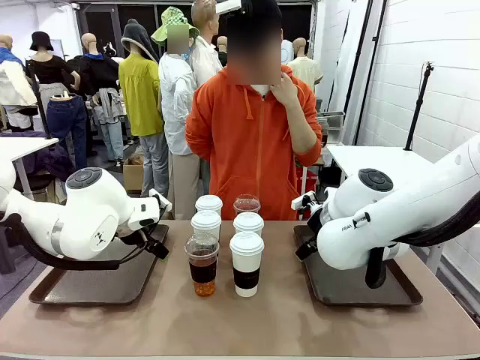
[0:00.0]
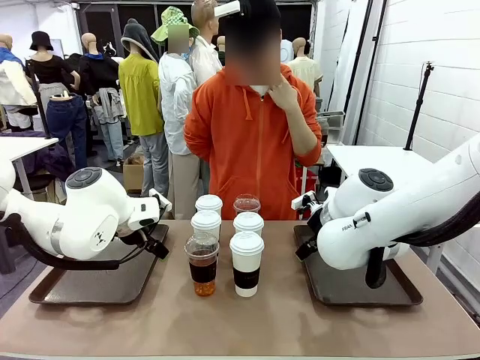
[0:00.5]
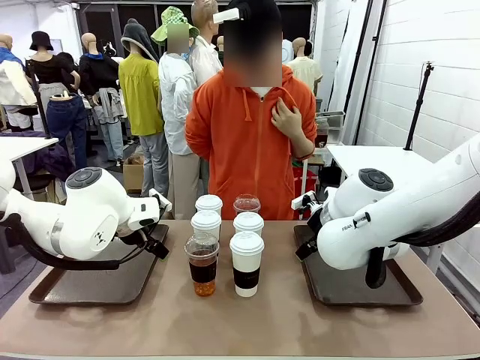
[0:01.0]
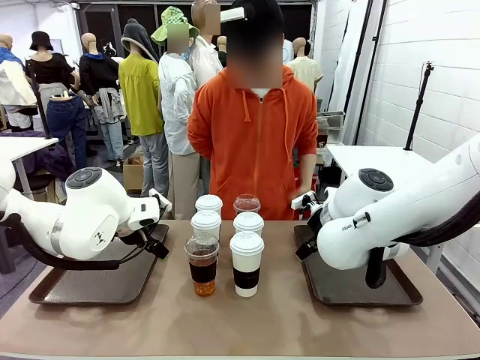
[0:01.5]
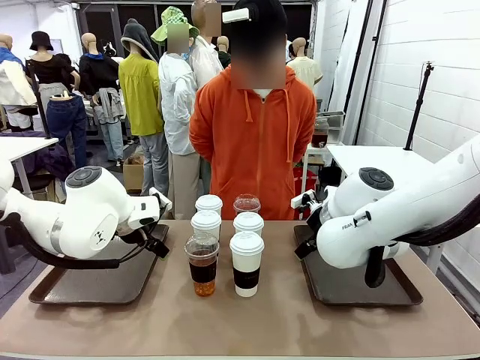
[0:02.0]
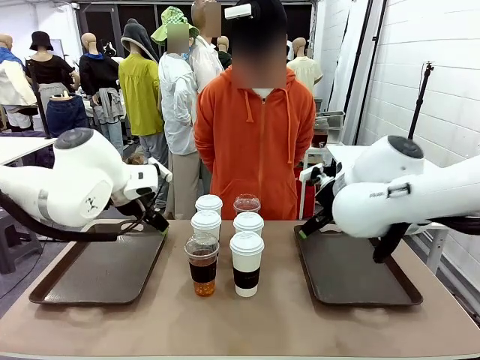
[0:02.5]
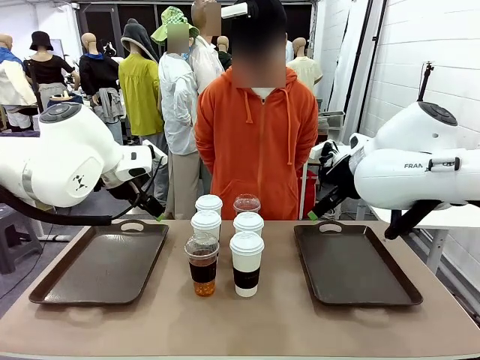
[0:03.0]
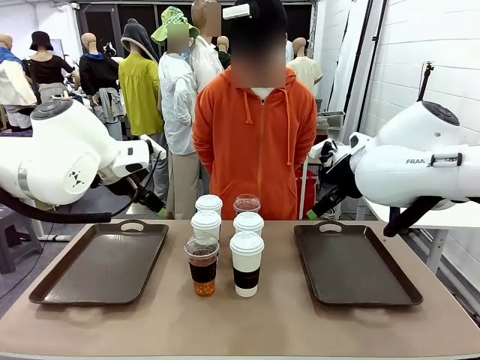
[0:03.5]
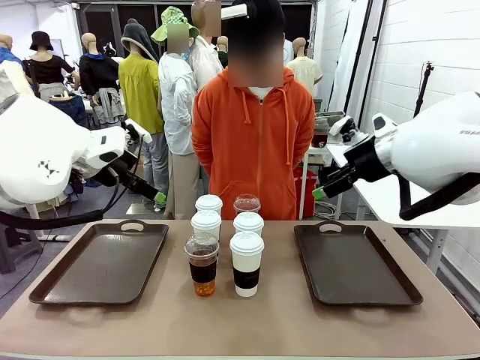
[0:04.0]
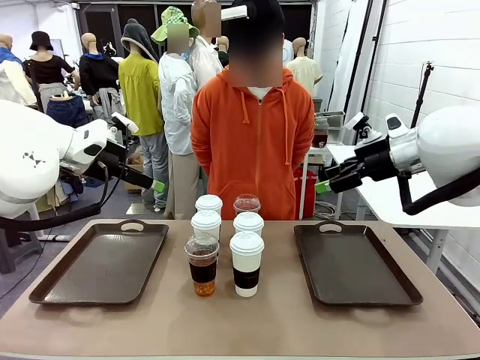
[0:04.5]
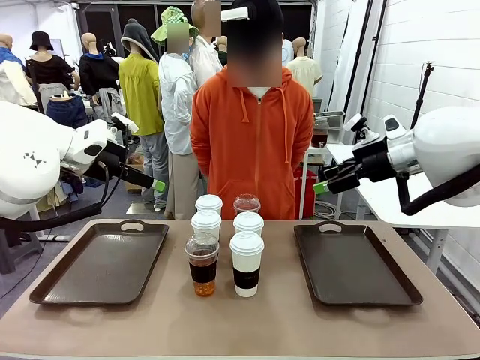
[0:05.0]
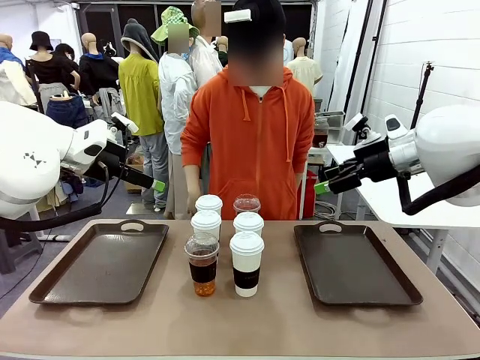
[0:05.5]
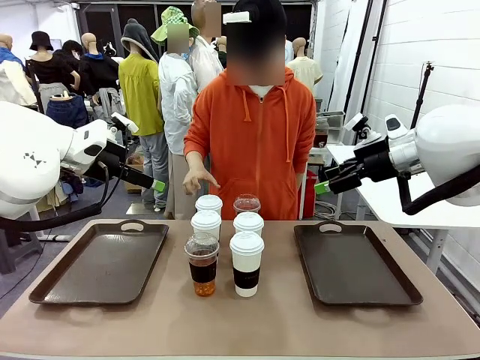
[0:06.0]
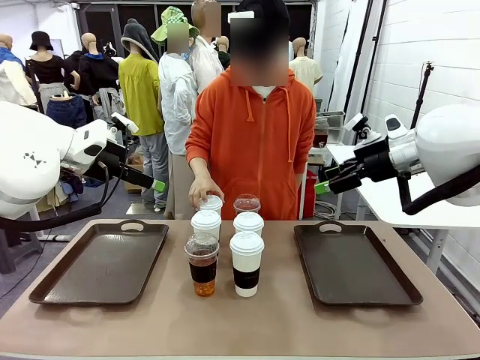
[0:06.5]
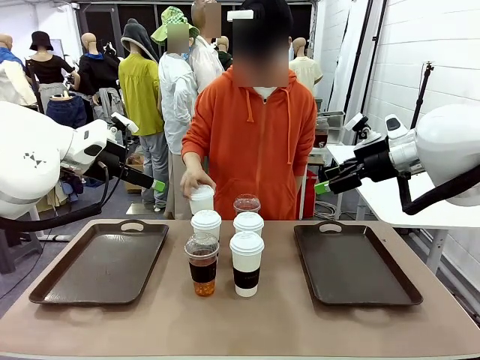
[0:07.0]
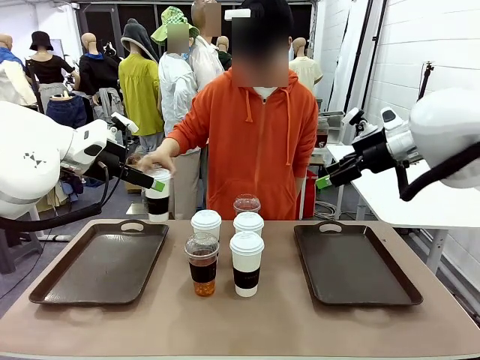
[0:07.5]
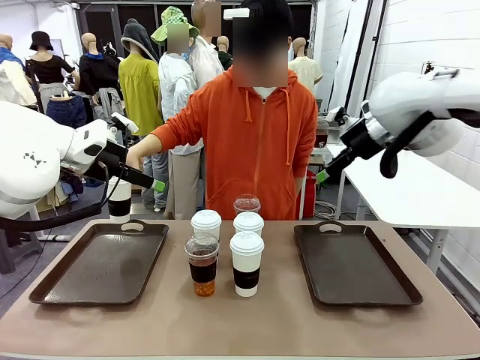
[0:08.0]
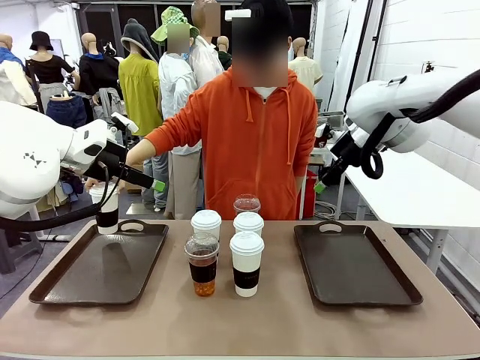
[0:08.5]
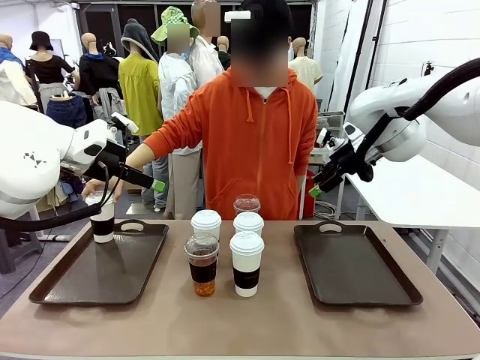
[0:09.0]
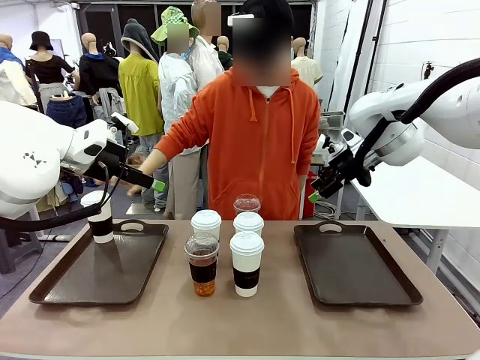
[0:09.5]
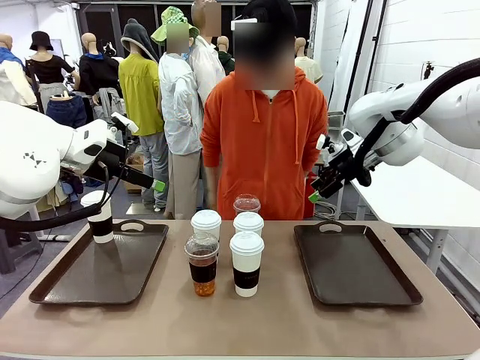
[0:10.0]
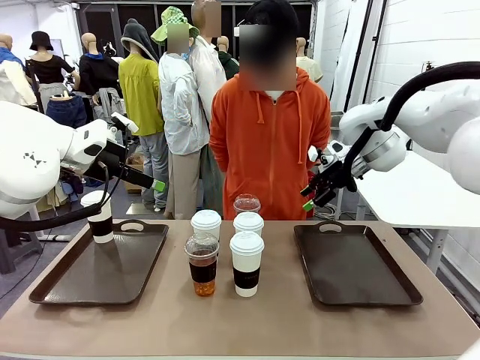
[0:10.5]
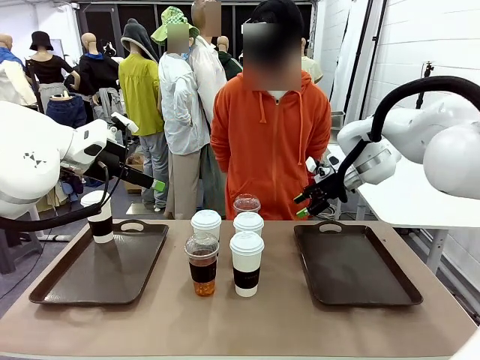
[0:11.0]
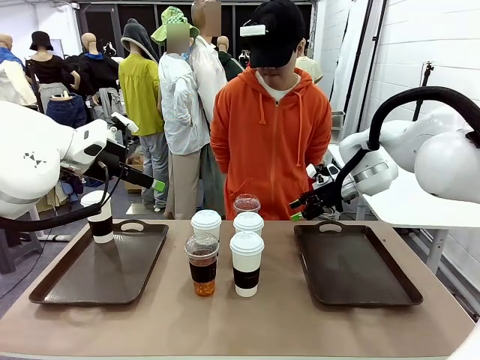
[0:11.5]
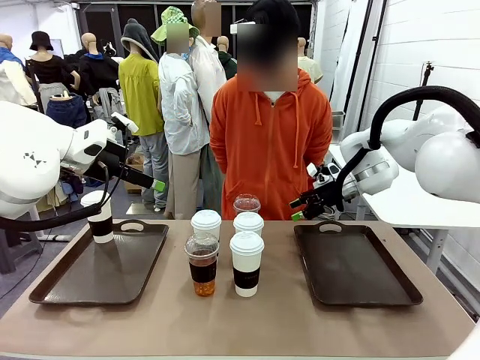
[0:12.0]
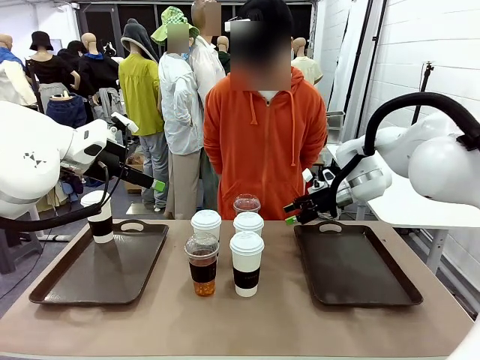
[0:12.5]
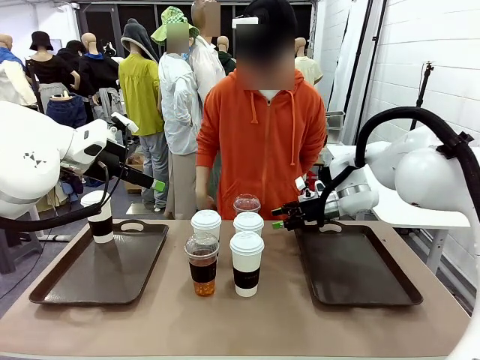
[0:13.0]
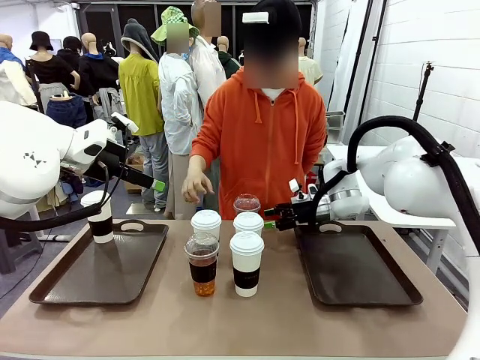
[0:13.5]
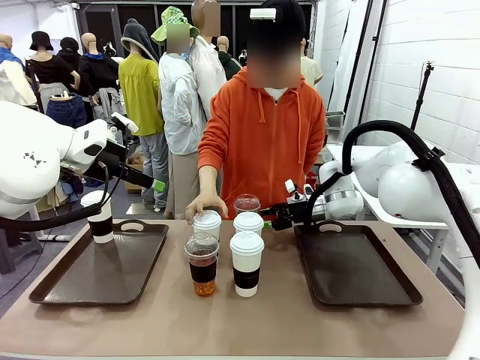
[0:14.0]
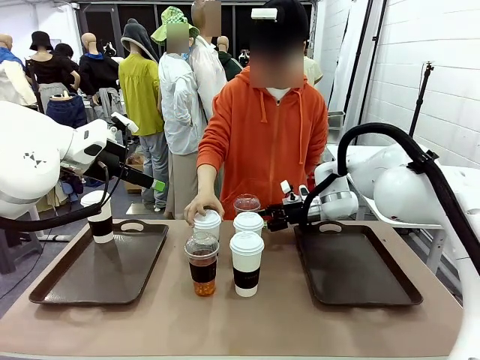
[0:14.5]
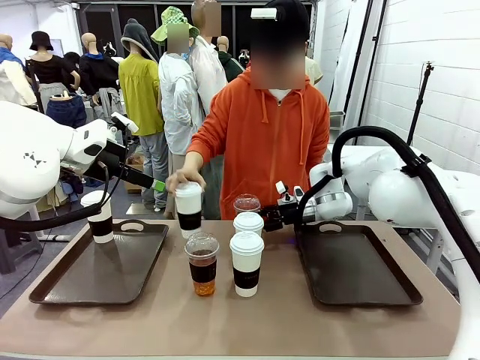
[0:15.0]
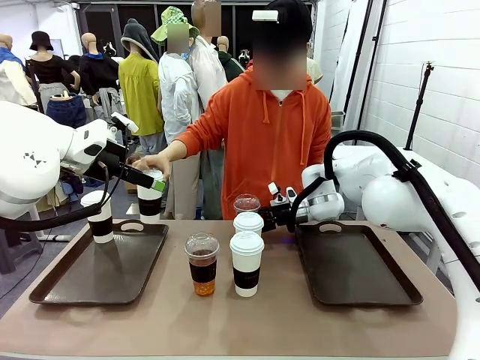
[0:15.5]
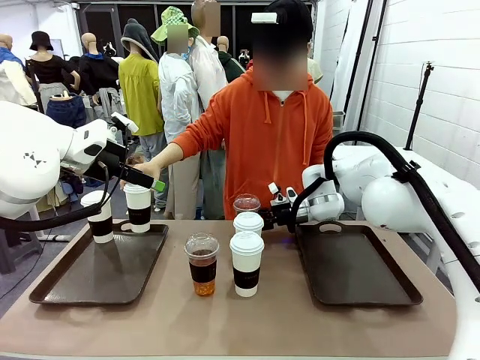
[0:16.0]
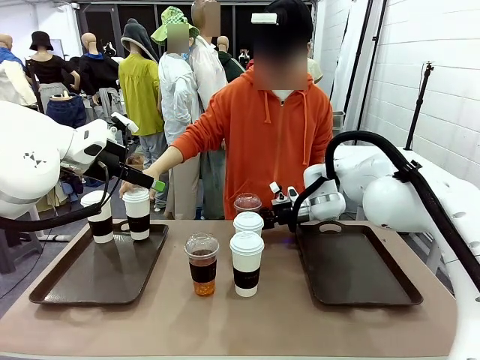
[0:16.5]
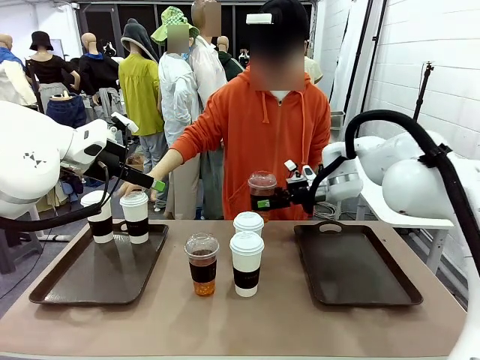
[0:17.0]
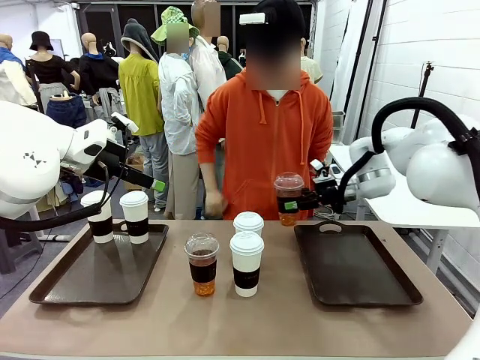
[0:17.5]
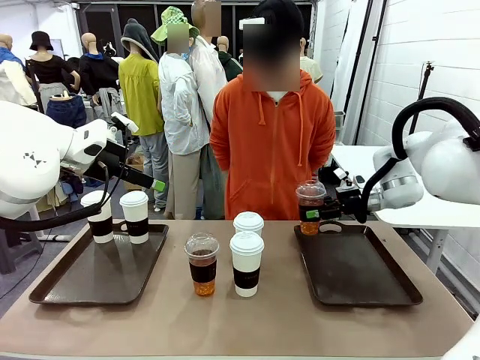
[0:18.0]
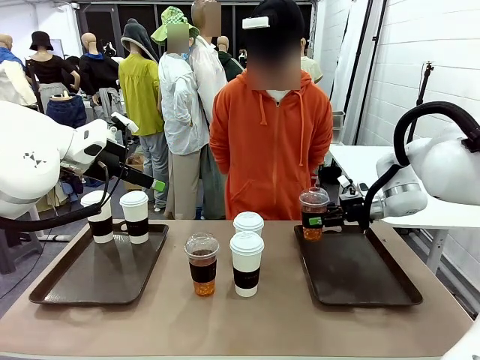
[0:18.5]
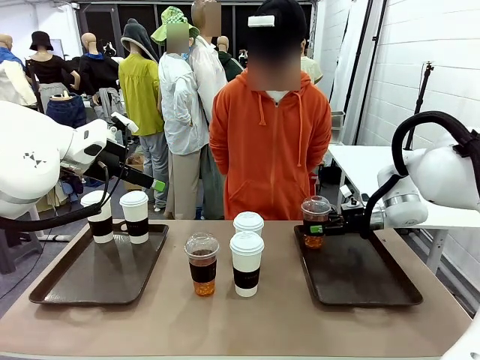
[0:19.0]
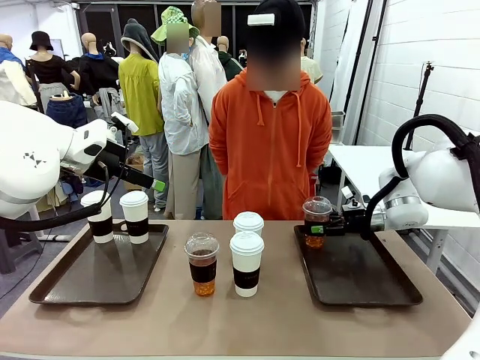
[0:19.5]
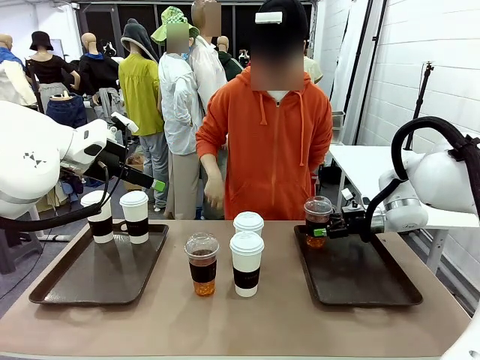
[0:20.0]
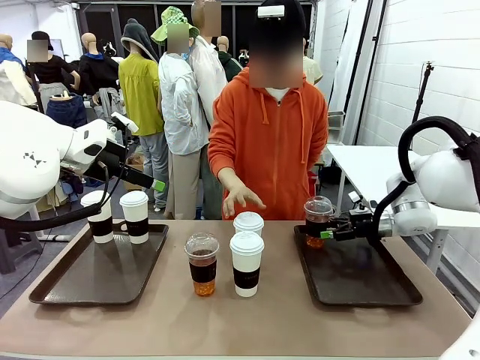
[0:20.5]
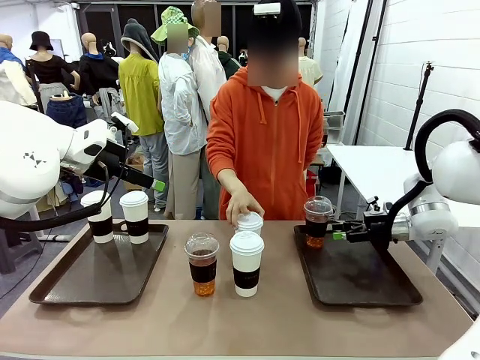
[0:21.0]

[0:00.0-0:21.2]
Task: Distribute the coffee onto the tray.
Robot: Pick up one iced Americano and place it on the right Handle tray.
Person: Pick up a cup of hot Americano and place it on the right tray.
